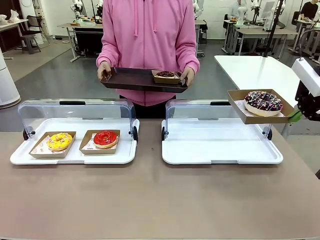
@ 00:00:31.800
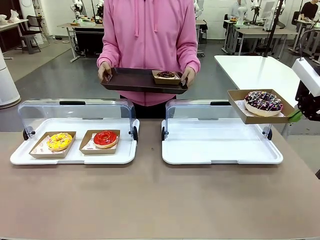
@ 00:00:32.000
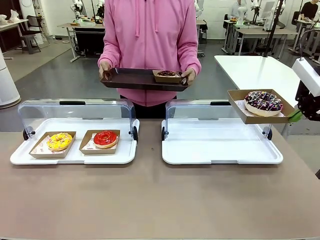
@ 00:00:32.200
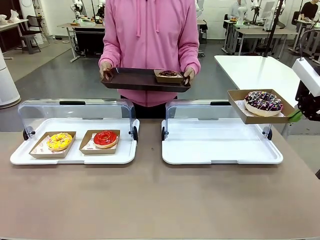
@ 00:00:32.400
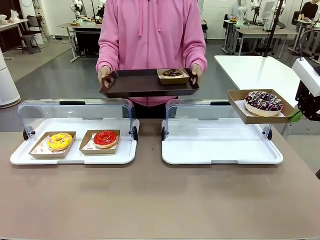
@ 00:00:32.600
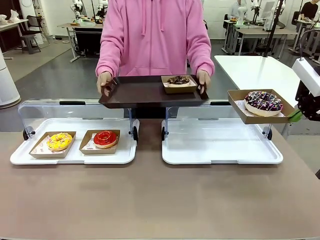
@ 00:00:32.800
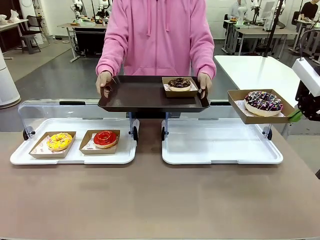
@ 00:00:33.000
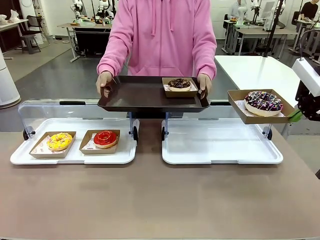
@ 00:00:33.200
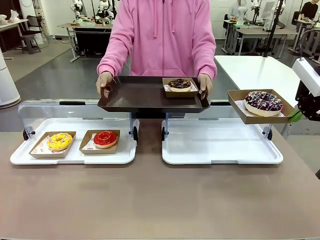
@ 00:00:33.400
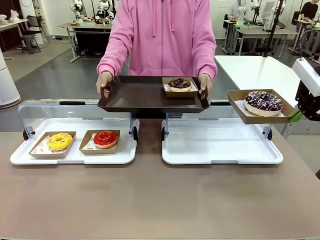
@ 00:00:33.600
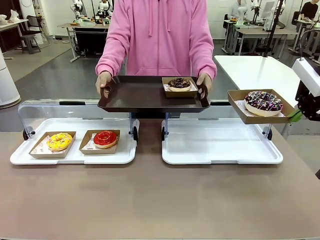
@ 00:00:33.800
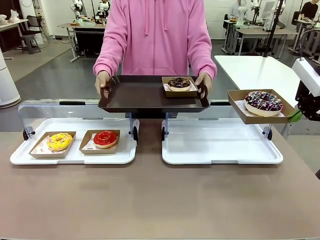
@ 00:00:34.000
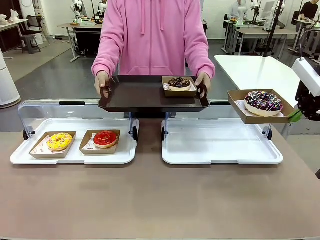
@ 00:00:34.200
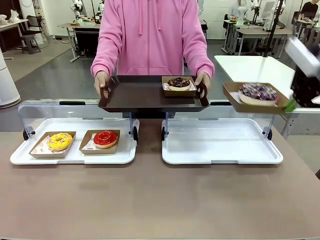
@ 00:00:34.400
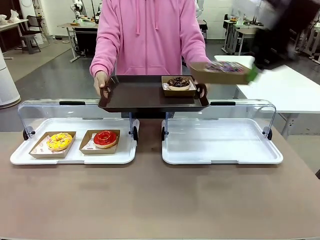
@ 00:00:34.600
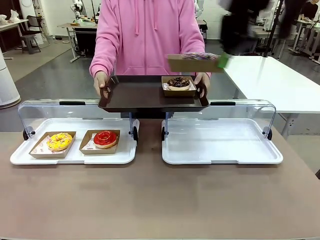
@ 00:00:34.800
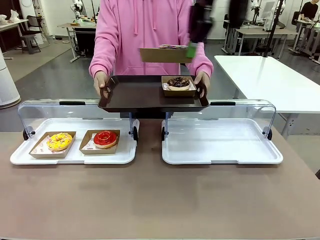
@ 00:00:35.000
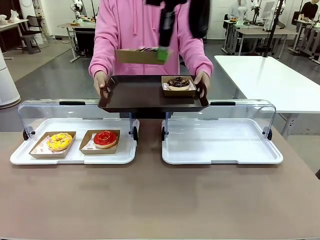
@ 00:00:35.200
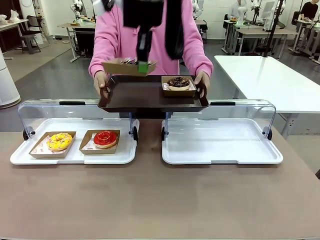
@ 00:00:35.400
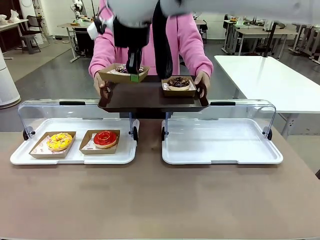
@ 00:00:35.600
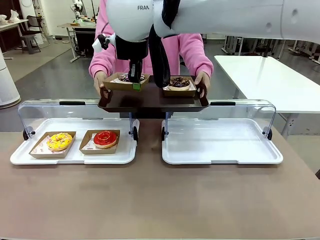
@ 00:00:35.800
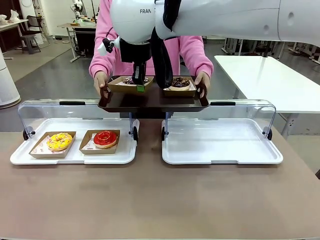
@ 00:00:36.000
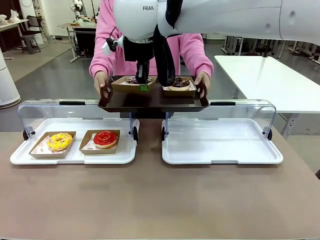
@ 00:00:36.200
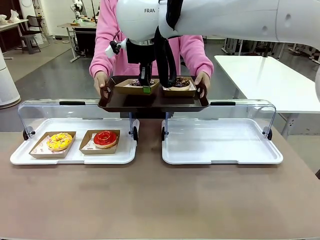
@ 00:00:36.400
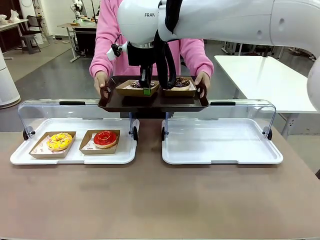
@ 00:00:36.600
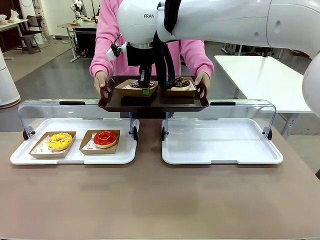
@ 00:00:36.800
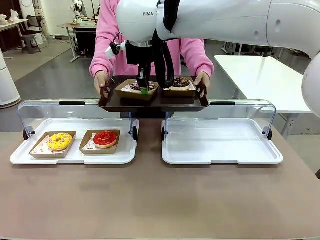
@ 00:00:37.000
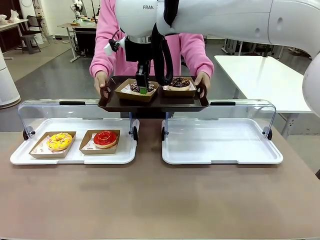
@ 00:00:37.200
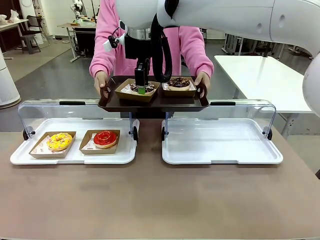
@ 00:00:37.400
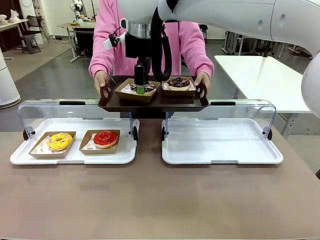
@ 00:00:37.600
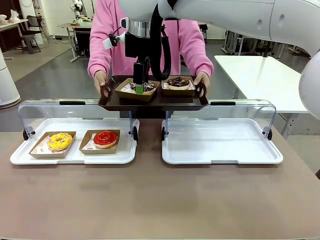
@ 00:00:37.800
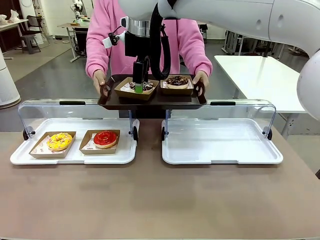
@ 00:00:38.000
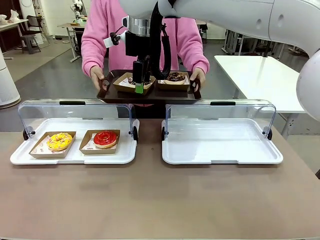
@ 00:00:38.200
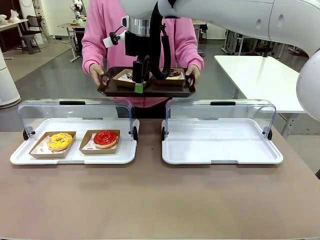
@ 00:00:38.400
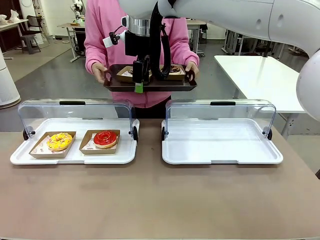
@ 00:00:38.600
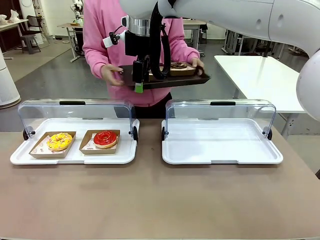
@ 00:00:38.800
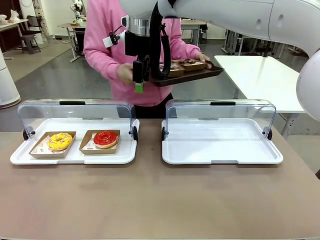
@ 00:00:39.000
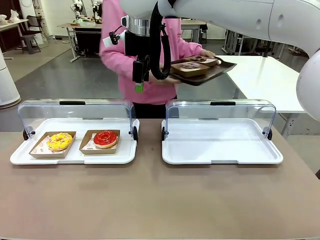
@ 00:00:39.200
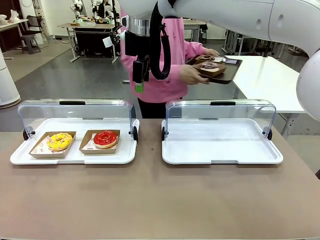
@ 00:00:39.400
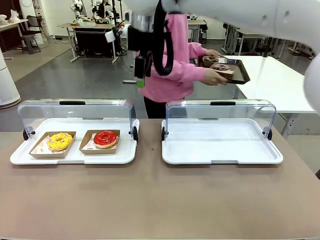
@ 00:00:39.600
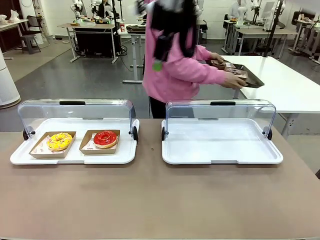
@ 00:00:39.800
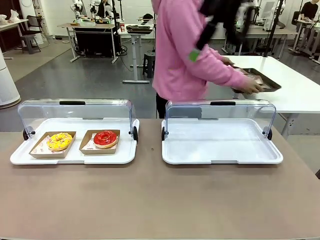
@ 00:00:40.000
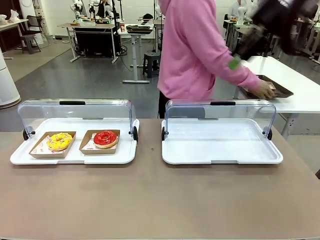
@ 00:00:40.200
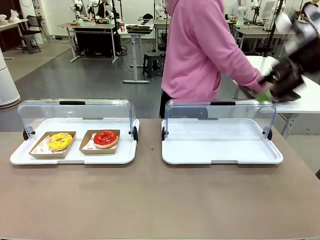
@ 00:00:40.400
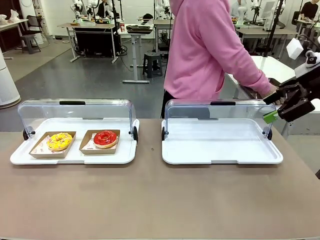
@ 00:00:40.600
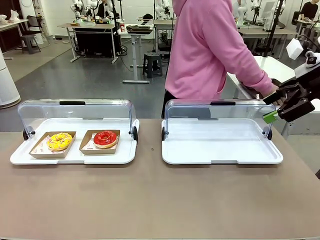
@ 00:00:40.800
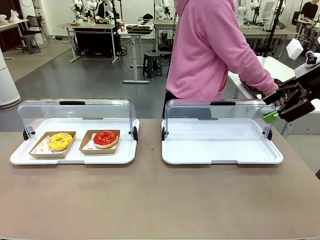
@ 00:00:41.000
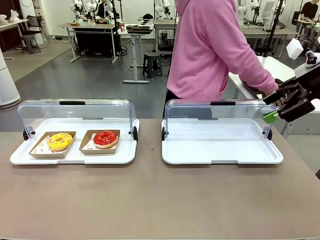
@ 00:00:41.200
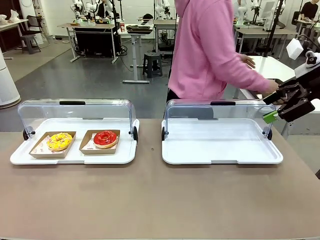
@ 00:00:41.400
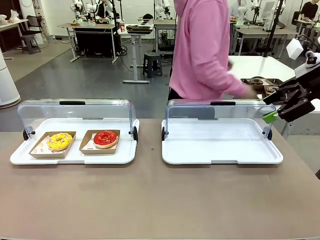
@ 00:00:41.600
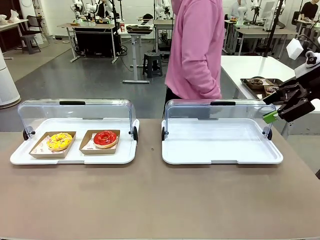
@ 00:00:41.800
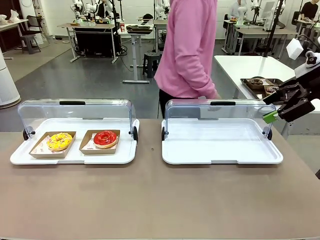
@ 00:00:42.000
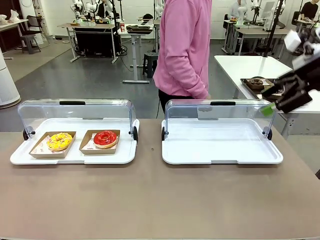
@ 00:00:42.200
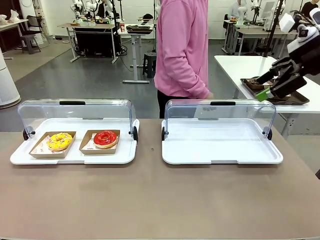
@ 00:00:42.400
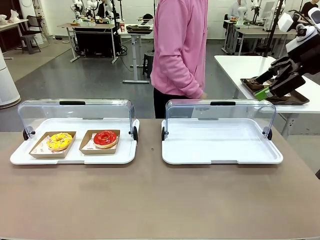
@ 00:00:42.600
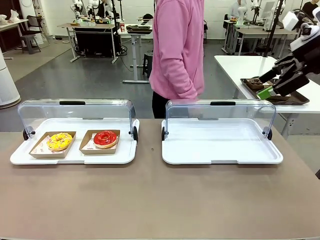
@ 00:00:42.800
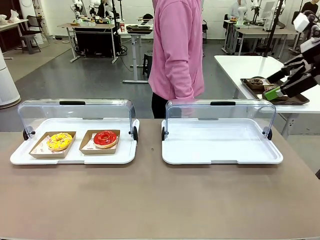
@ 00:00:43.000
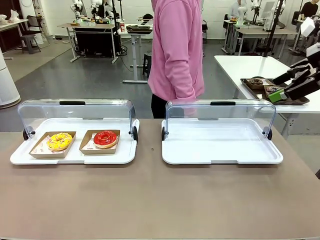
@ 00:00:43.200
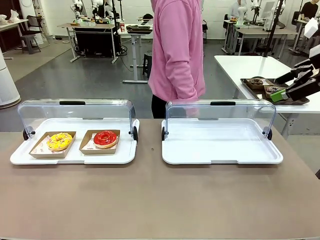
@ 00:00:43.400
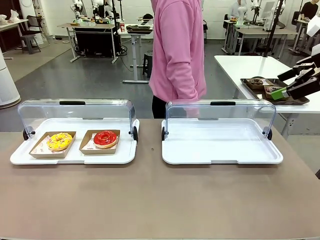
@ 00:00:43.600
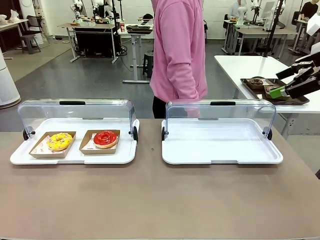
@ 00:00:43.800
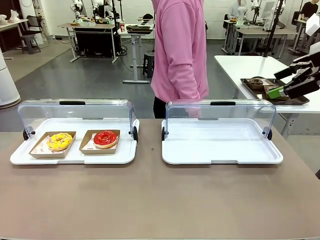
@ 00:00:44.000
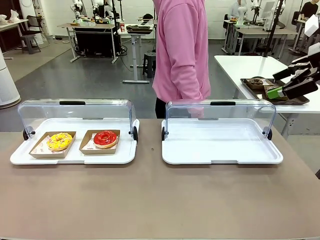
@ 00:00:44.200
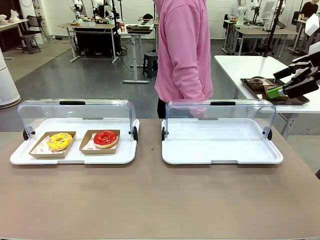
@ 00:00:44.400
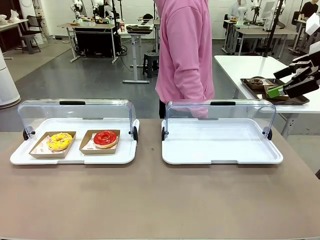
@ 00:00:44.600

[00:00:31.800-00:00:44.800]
Task: Provide the desired donut to the person.
Robot: Place the picked Paper togo box onto the Handle tray extended by the person.
Person: Place the tray in the middle of the human table.
